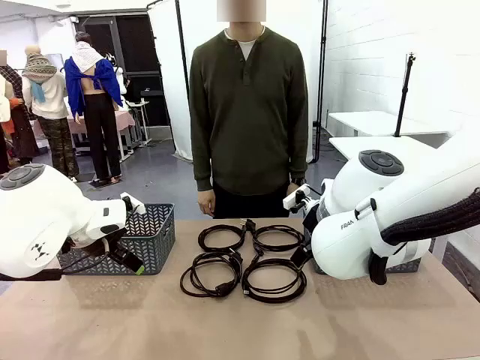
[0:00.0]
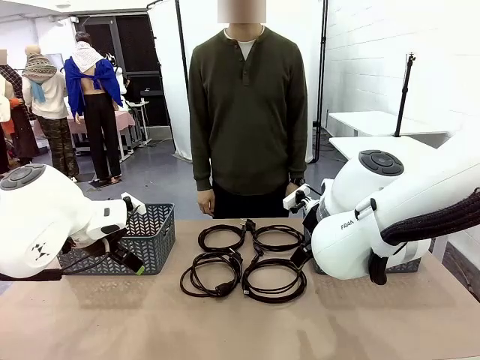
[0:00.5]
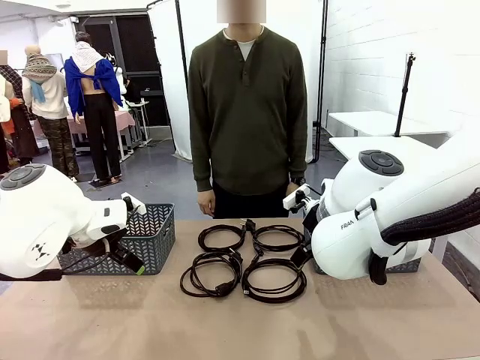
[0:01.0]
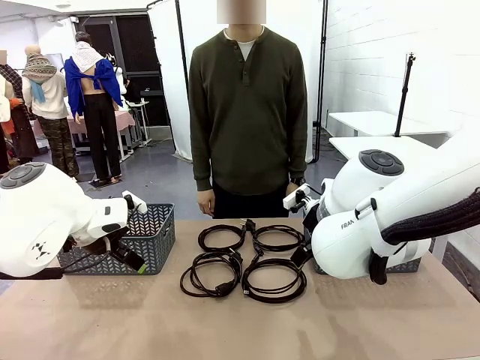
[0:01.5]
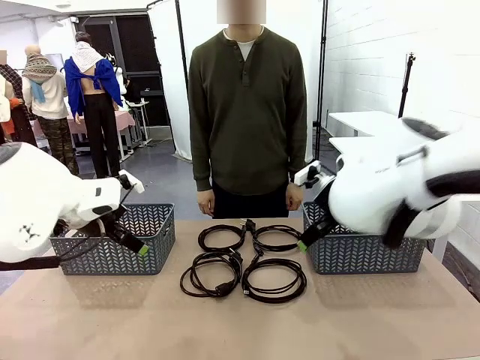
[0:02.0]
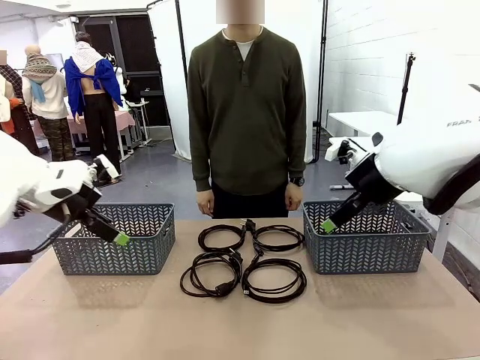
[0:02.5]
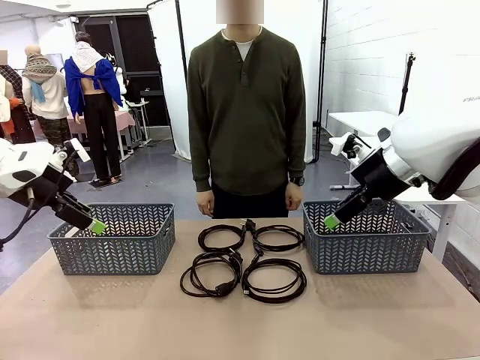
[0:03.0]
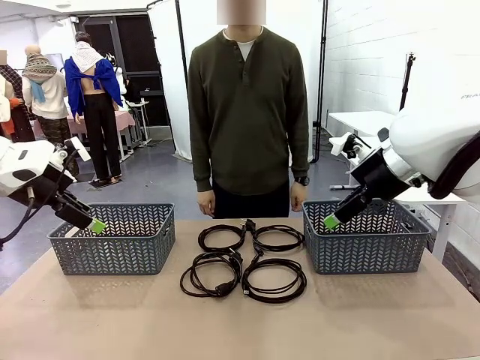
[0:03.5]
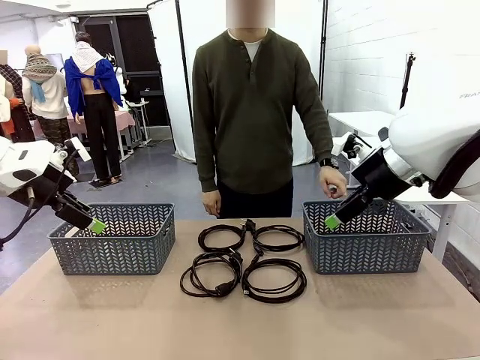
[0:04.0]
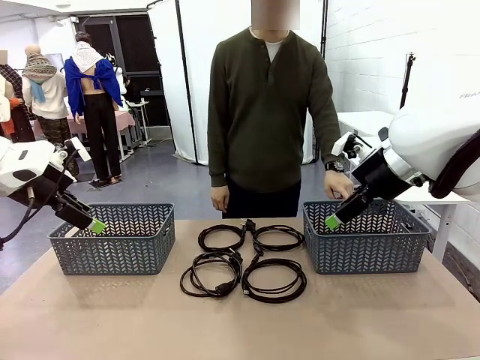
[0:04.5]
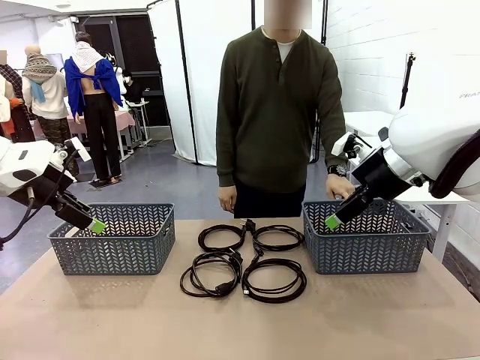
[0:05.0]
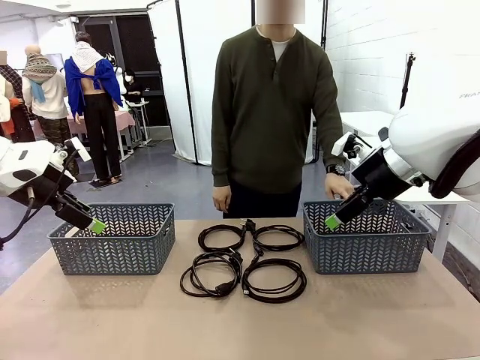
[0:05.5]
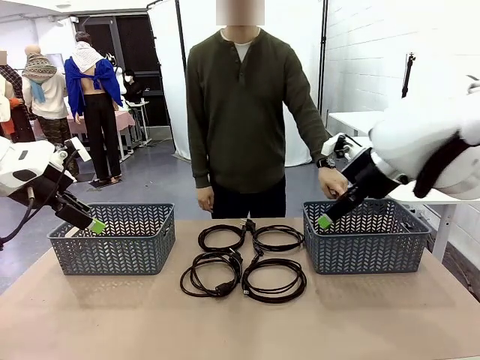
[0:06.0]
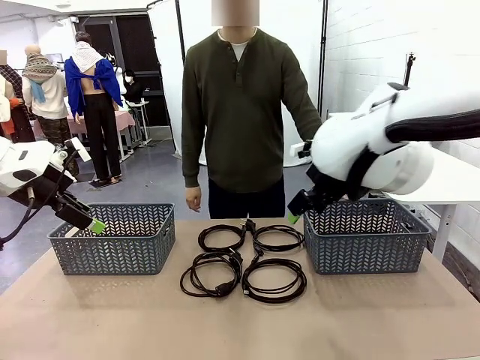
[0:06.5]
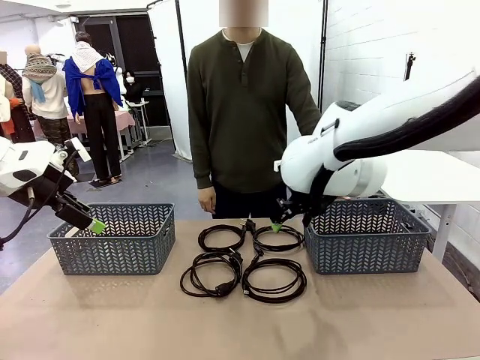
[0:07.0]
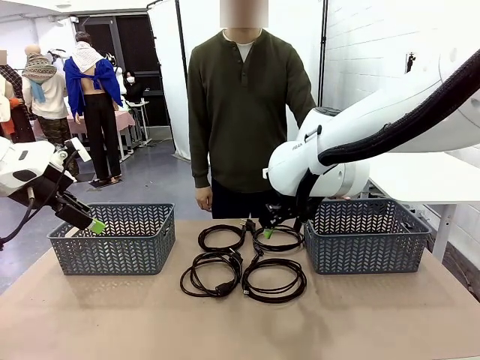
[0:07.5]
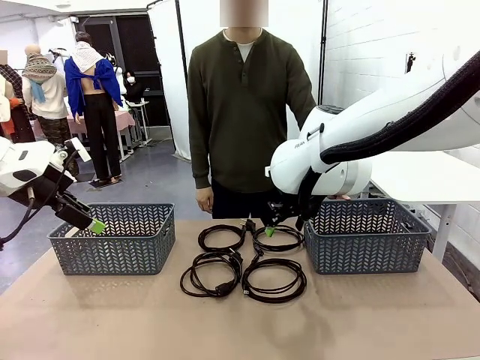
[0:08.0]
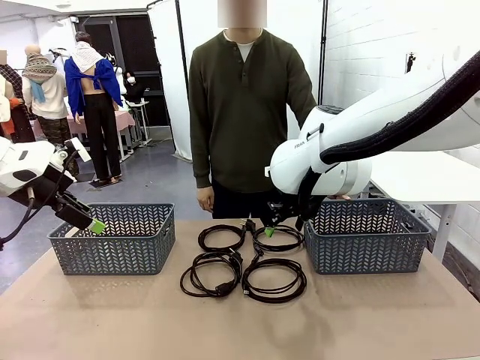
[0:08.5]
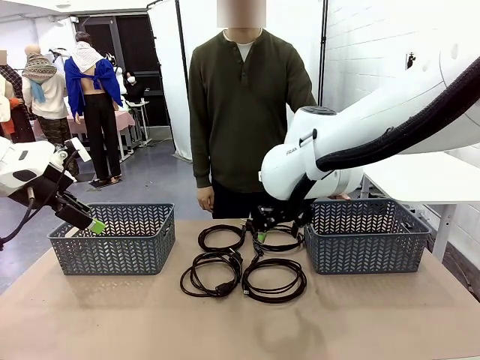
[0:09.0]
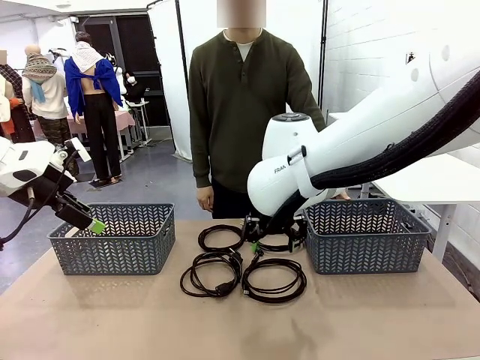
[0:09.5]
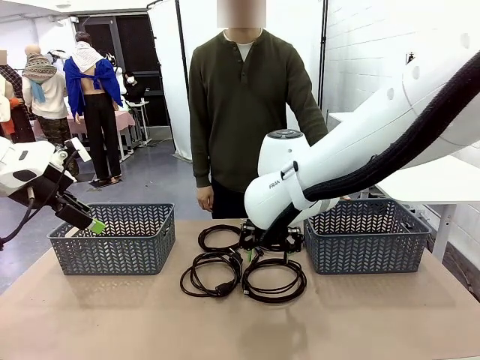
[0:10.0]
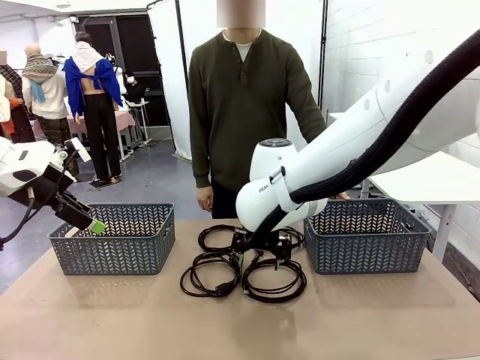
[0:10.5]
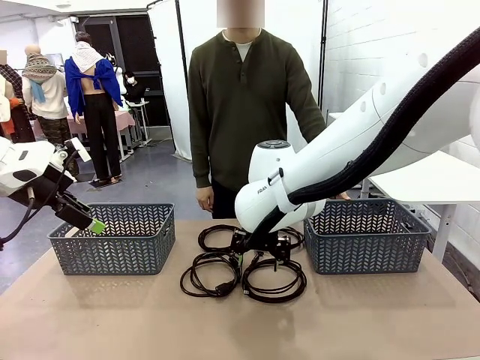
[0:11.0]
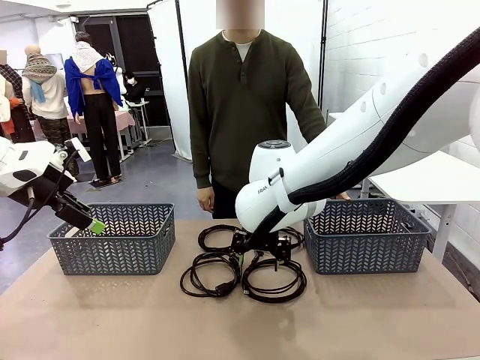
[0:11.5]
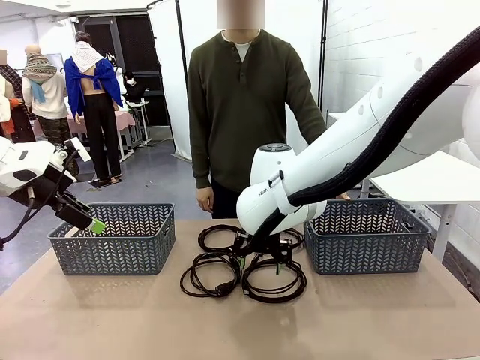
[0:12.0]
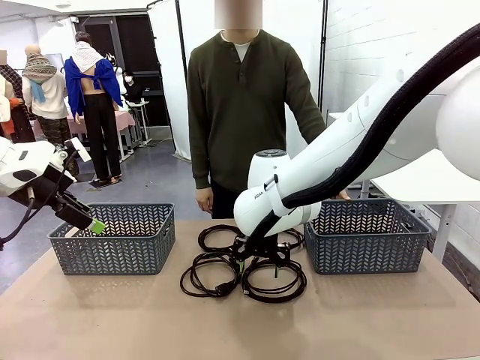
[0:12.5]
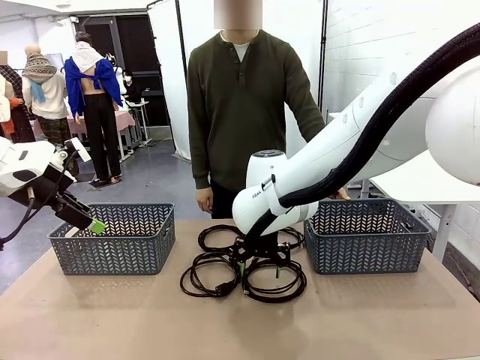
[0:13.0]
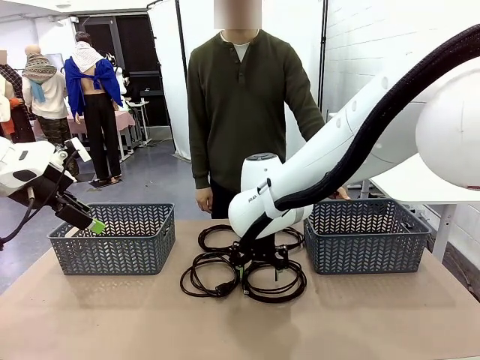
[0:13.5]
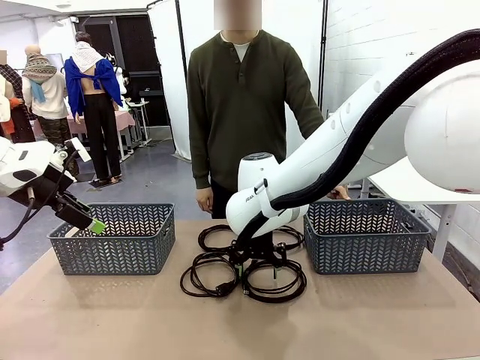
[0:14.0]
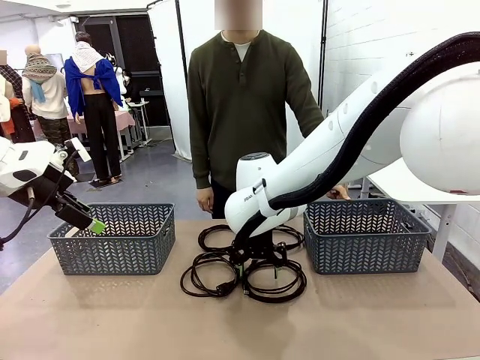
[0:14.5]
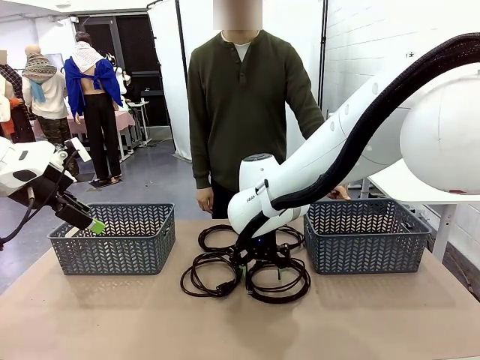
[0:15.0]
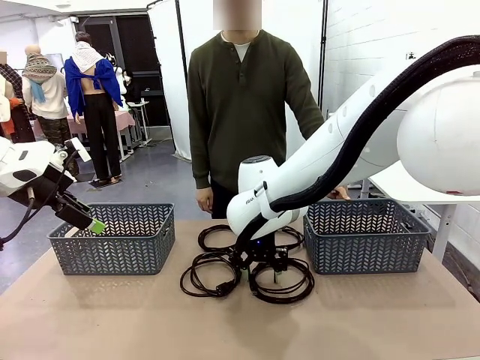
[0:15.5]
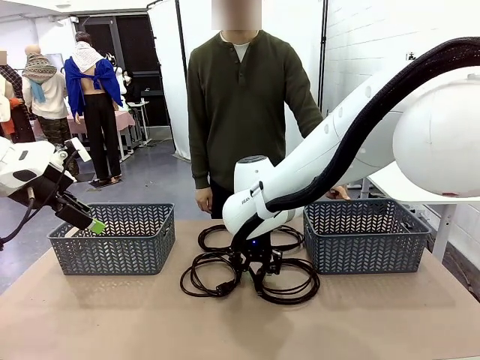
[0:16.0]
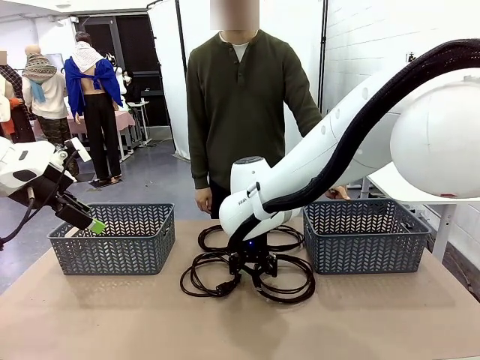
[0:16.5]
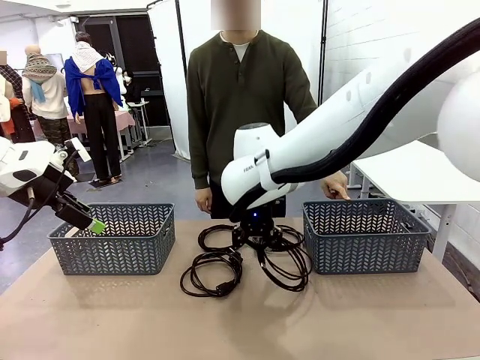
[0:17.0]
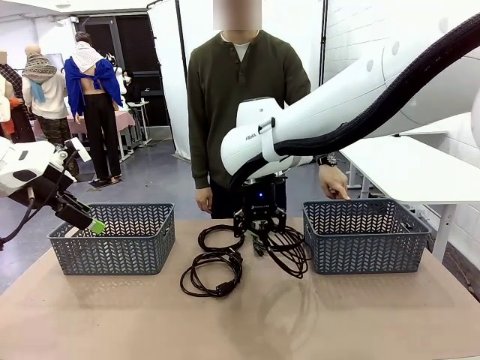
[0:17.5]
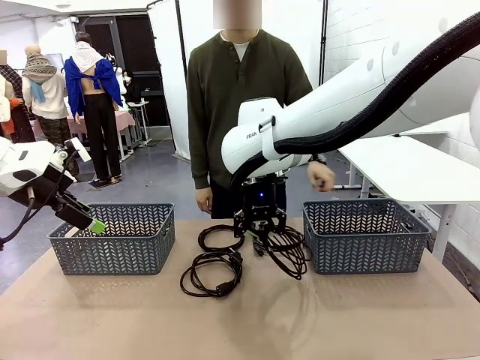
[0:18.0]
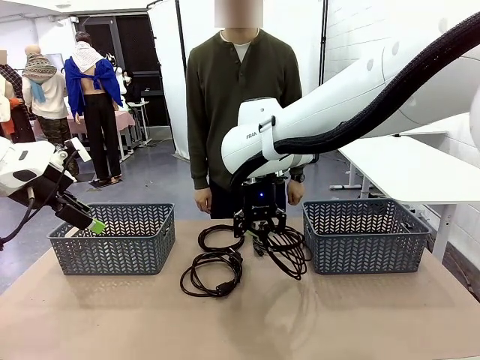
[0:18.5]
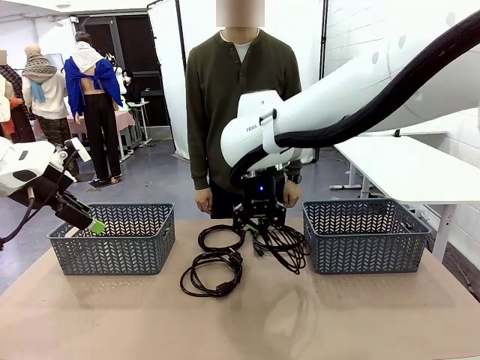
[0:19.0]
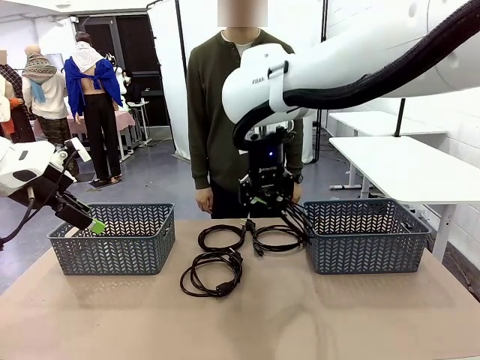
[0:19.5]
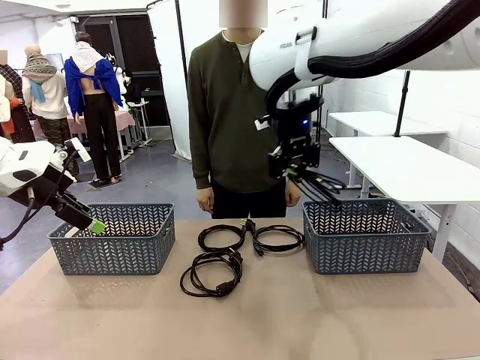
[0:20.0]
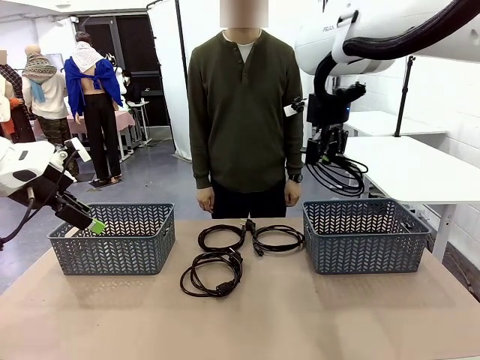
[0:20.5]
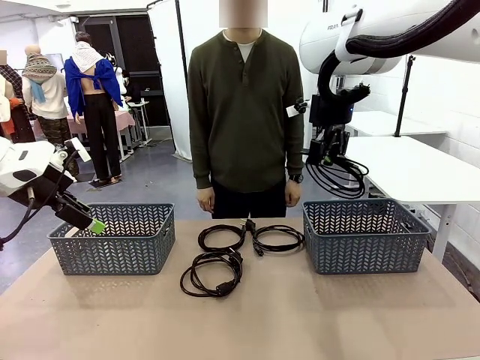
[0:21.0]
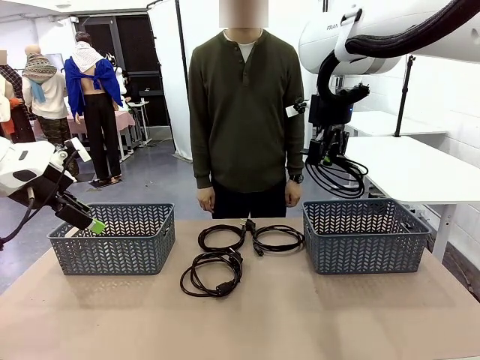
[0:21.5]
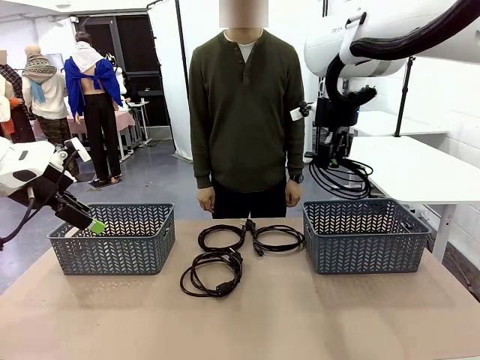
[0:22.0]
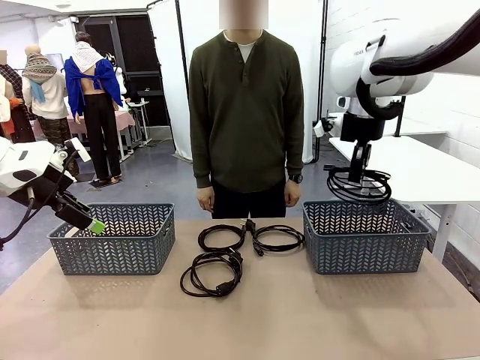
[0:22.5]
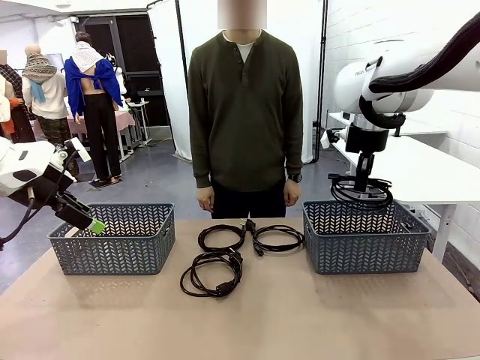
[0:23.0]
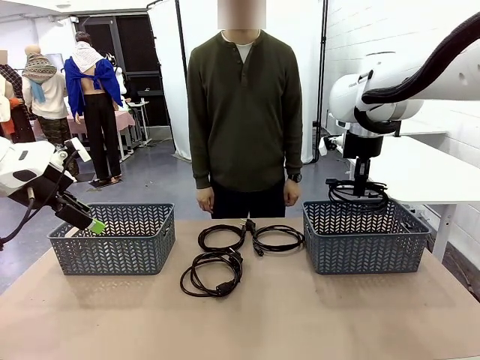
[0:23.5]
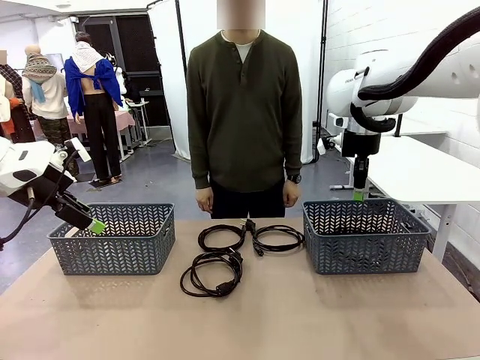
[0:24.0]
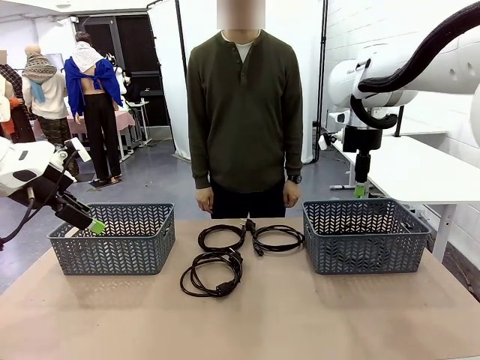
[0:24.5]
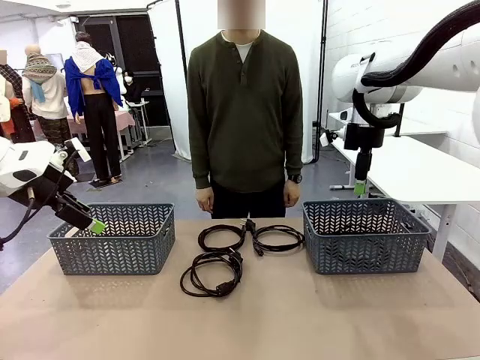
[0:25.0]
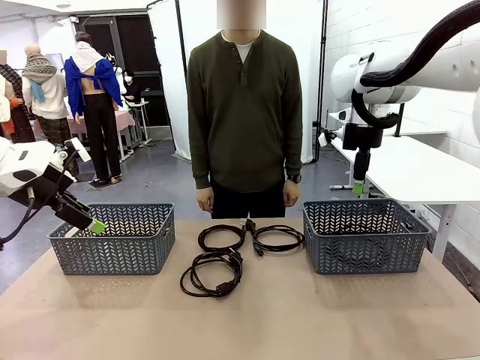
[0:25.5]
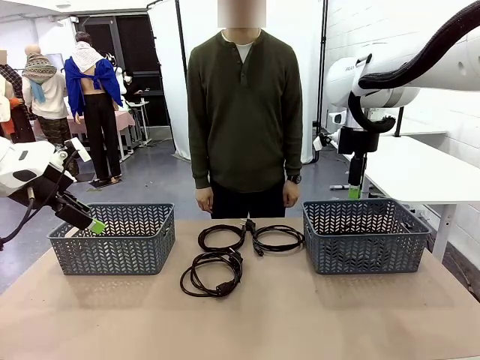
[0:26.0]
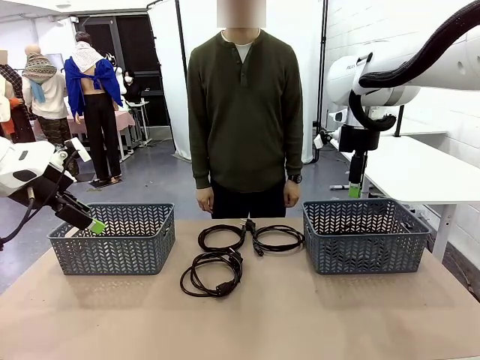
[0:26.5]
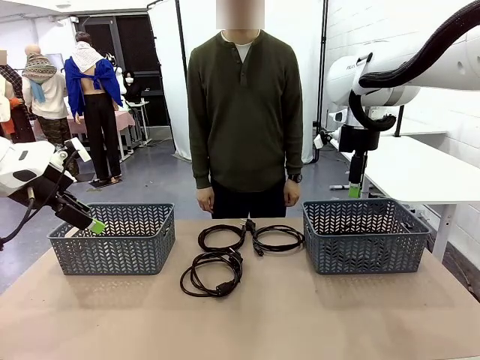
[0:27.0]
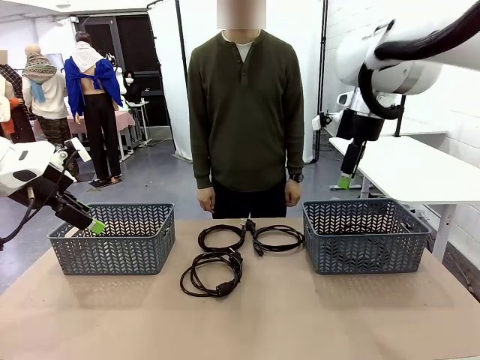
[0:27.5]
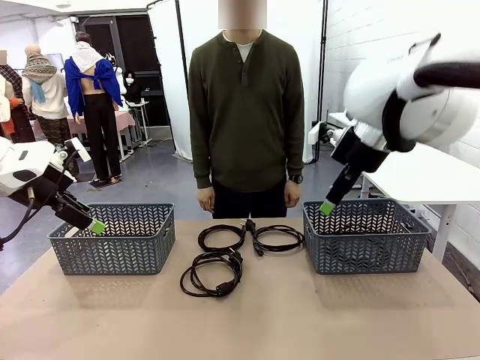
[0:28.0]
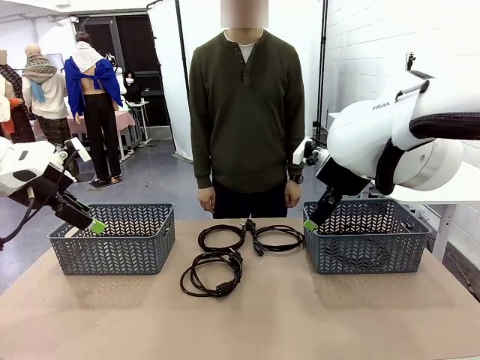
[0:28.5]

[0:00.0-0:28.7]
Task: Organize the cables according to human instructions.
Robot: Pick up a bundle of cables and place it in the basket indicated by the human.
